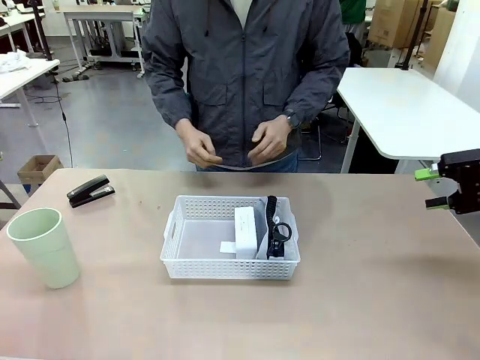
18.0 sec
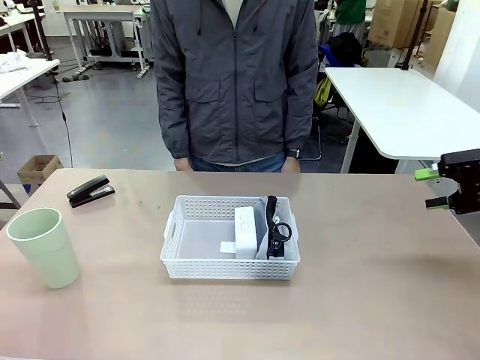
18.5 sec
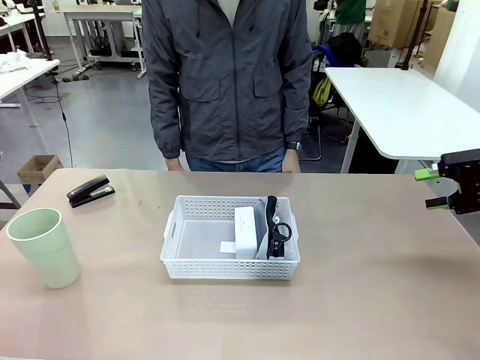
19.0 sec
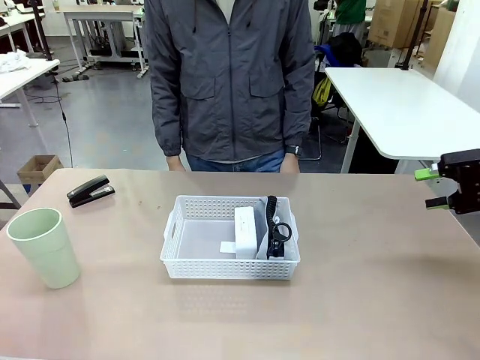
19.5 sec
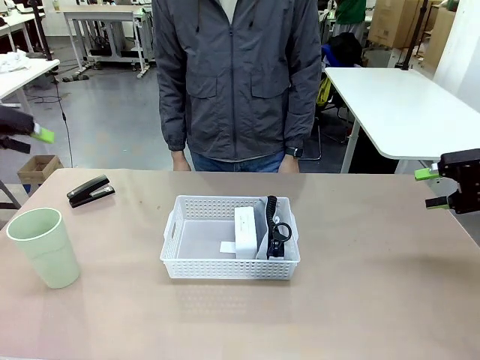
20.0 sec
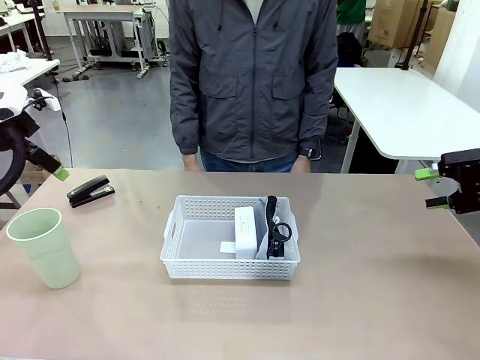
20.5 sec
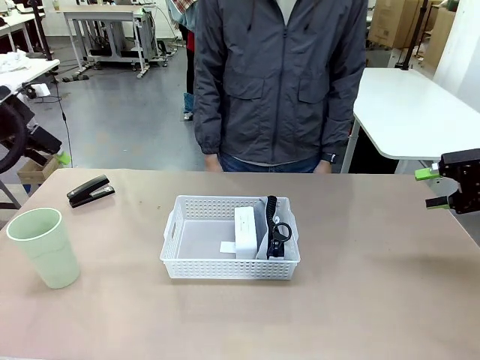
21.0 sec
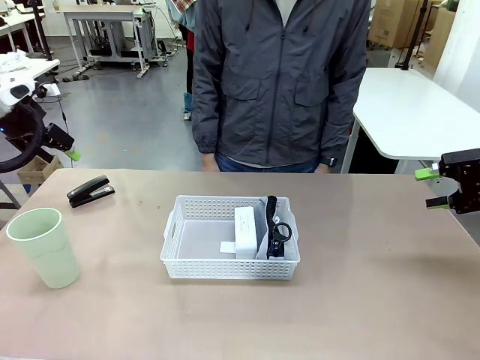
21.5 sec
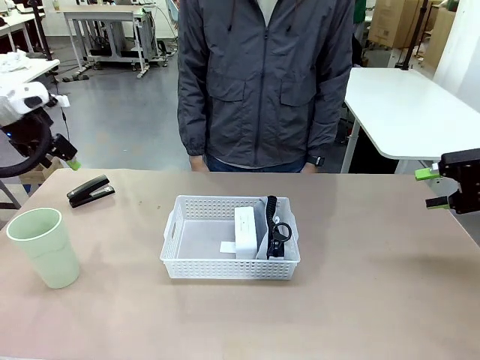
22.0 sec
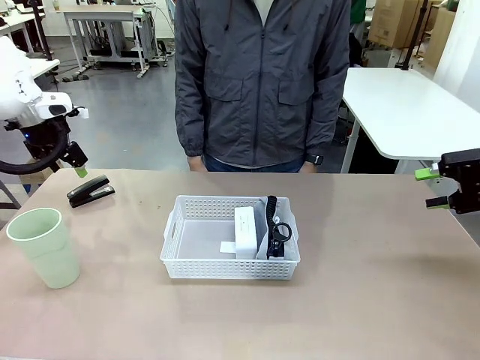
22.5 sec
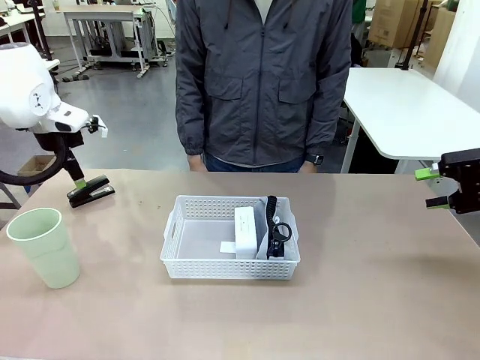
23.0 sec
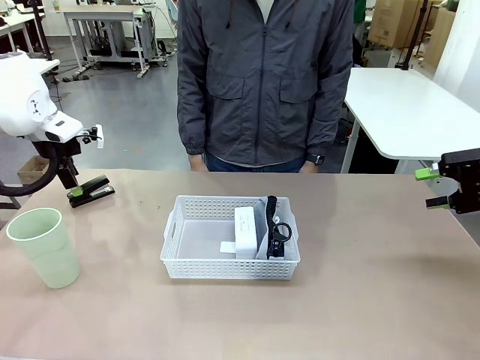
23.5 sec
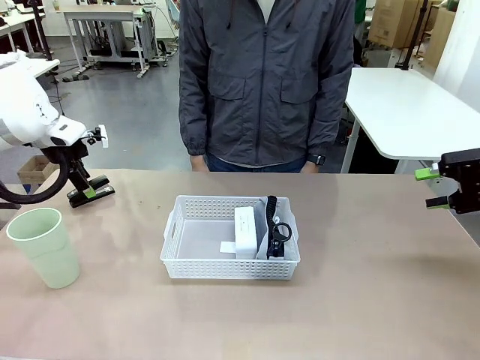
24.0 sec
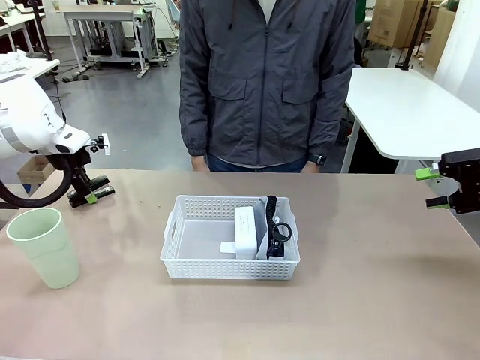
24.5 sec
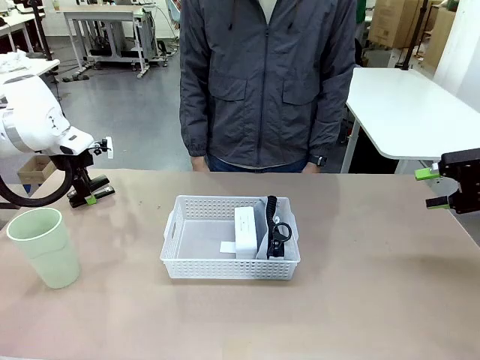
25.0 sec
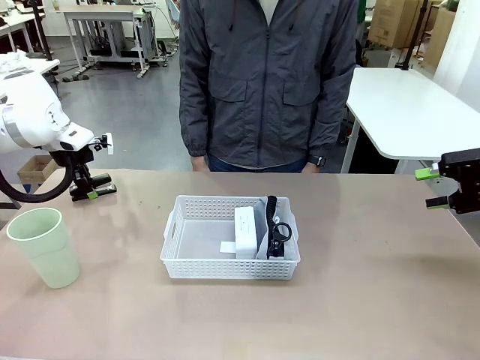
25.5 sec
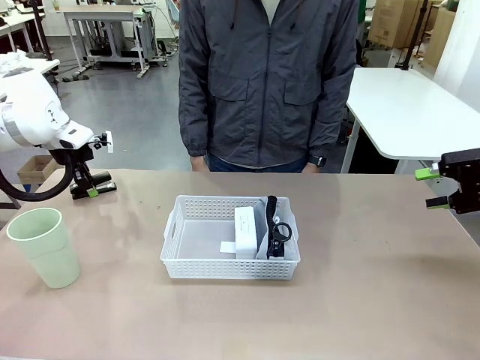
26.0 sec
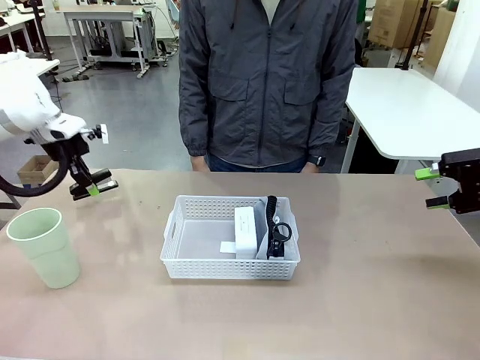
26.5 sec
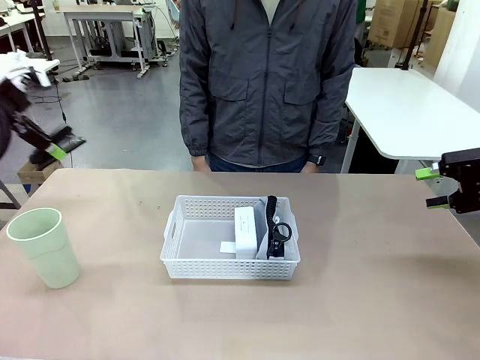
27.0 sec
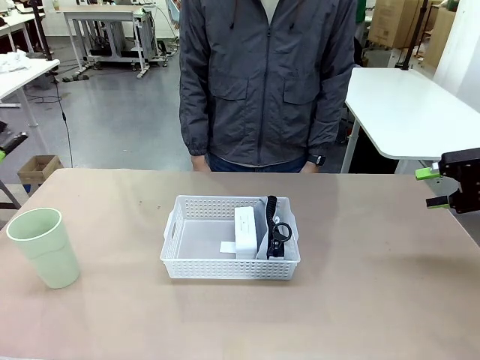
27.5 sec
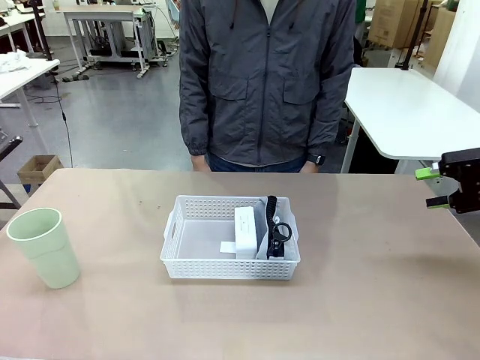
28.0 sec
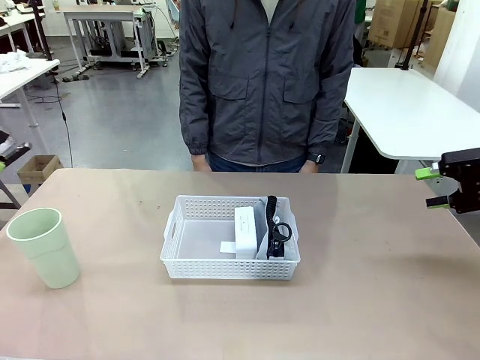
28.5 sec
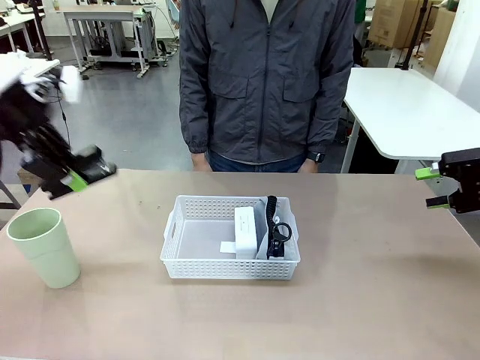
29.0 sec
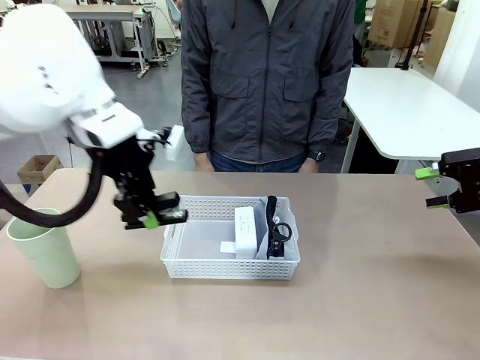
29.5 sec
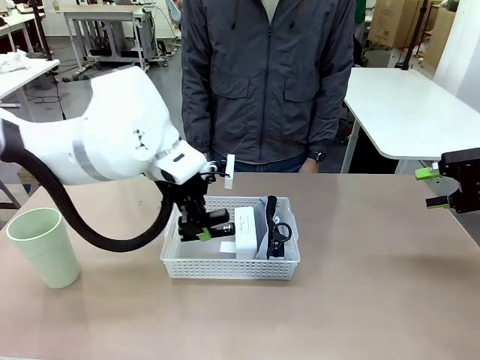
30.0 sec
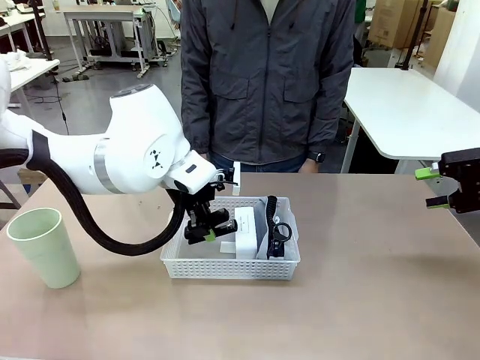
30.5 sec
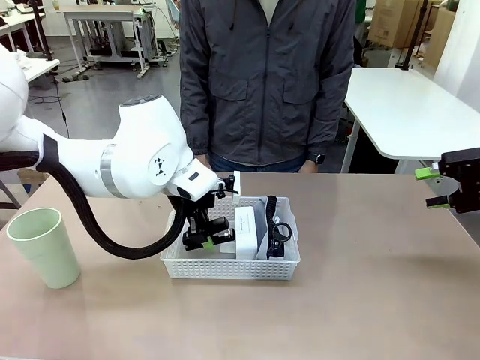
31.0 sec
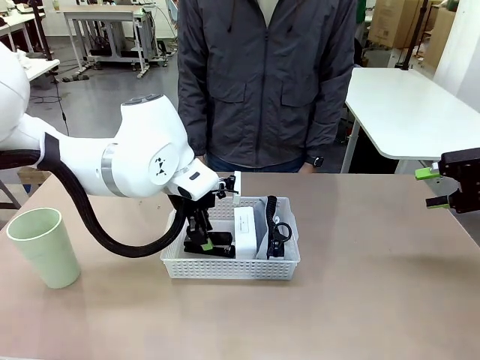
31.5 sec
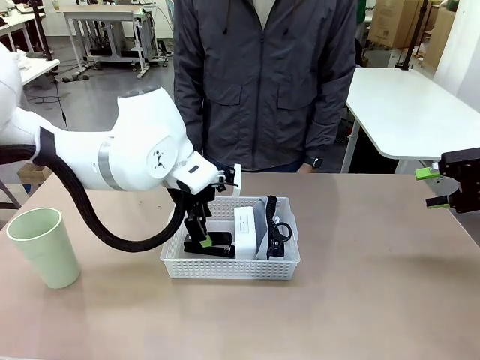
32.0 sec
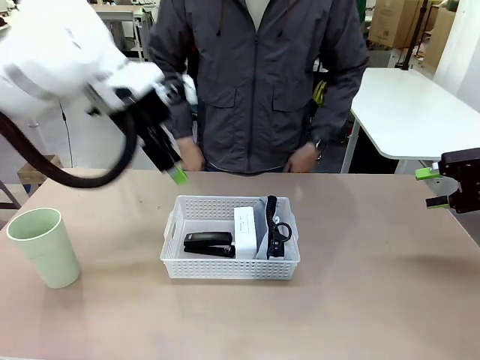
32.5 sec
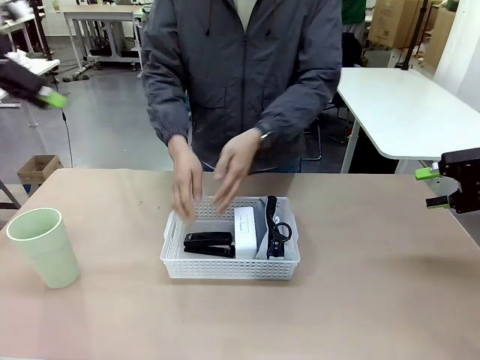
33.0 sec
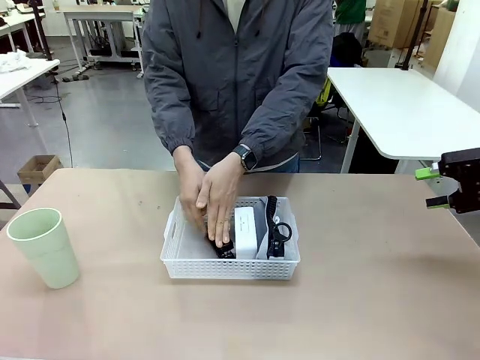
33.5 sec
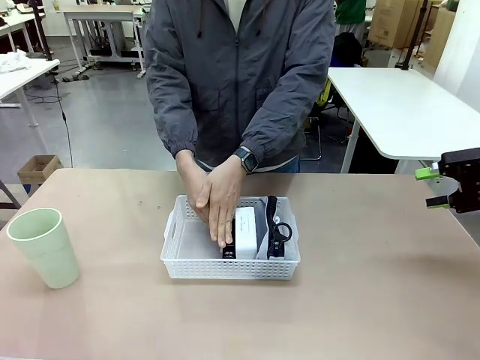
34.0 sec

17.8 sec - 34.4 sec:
Task: Efficiently arrange items inside the basket to fit them all.
Robot: Pick up the Stapler and place it inside the Organizing basket.

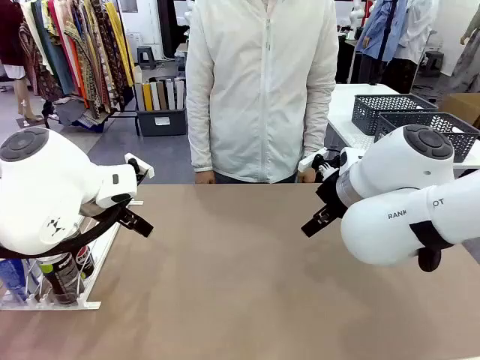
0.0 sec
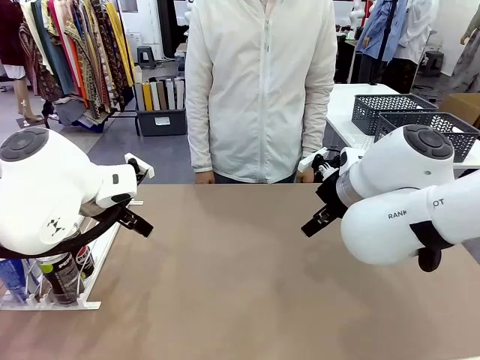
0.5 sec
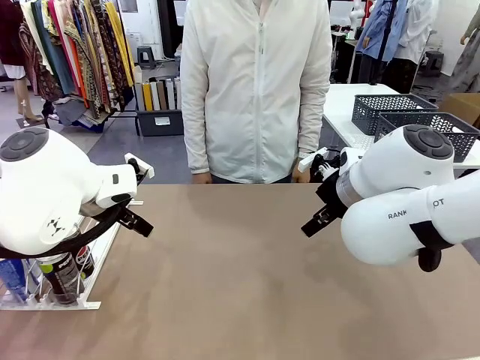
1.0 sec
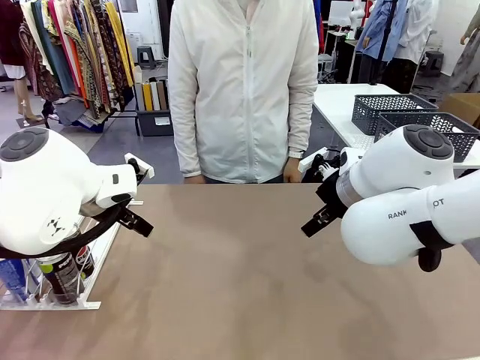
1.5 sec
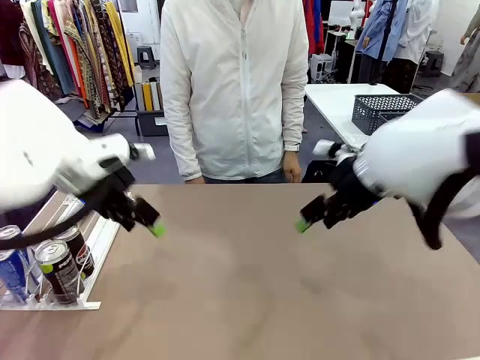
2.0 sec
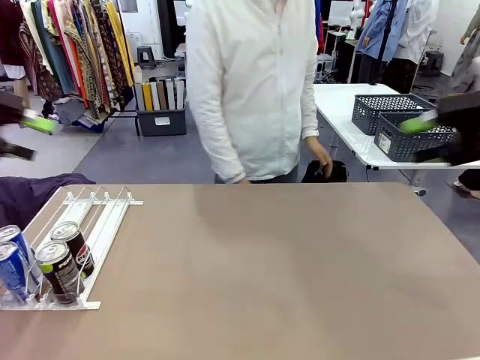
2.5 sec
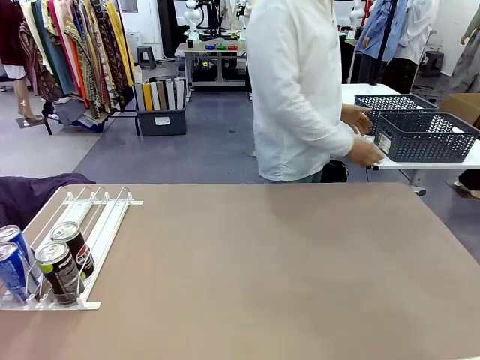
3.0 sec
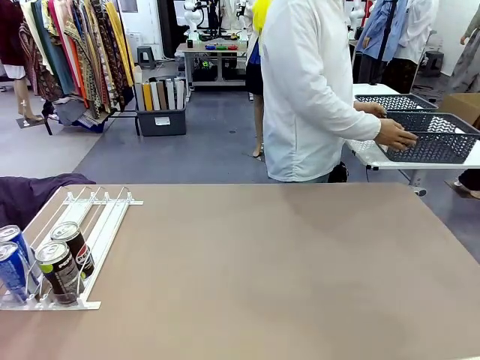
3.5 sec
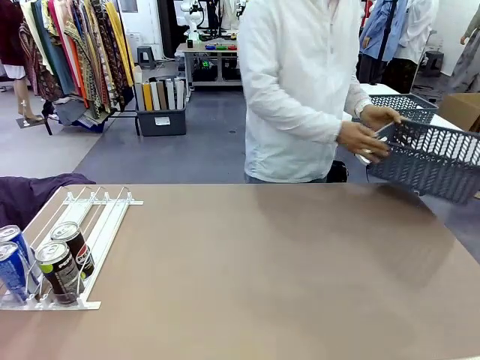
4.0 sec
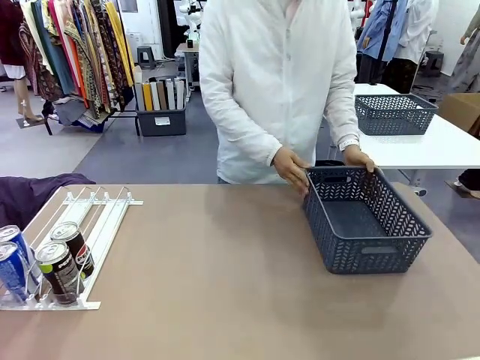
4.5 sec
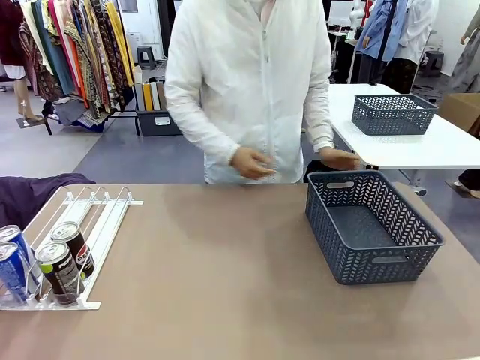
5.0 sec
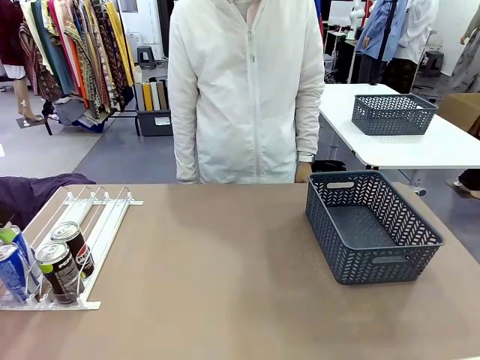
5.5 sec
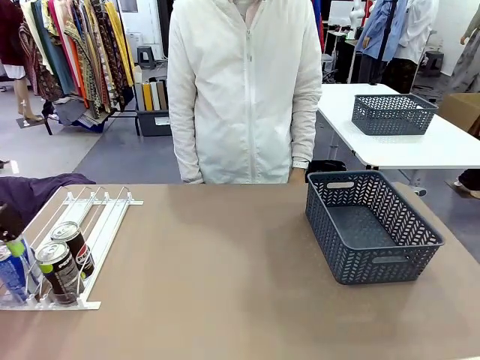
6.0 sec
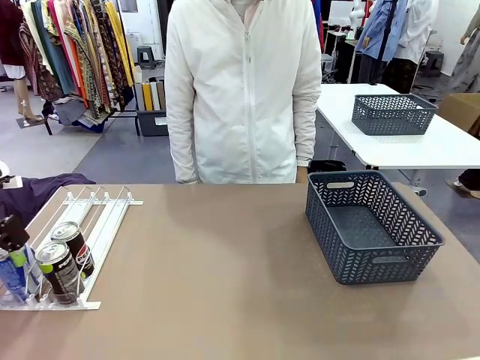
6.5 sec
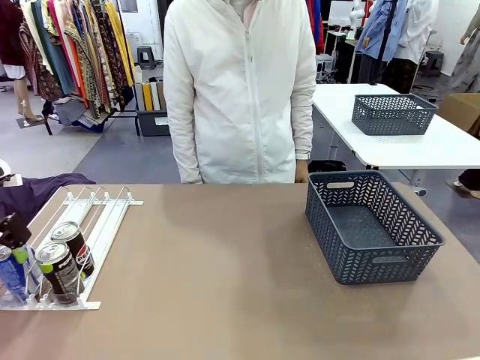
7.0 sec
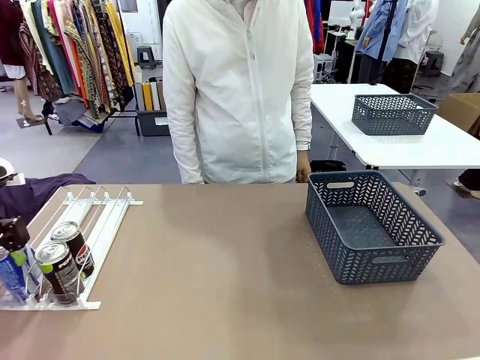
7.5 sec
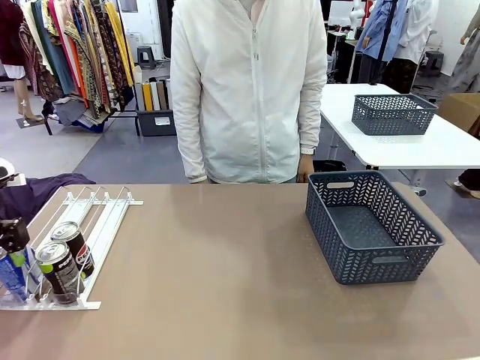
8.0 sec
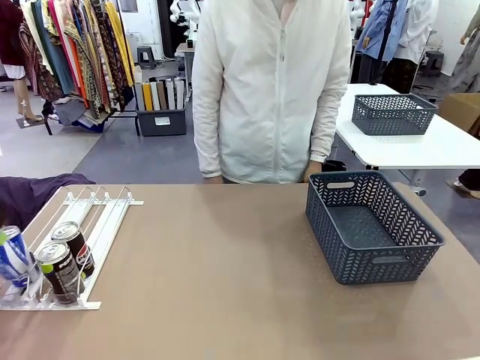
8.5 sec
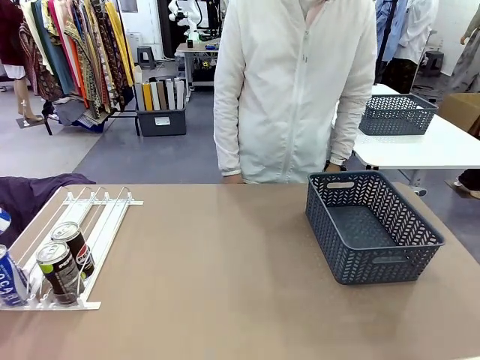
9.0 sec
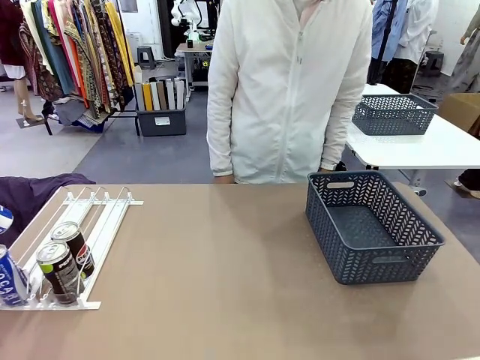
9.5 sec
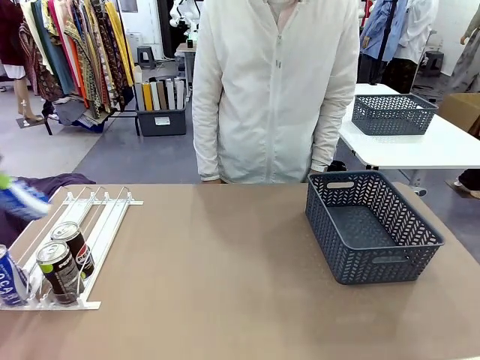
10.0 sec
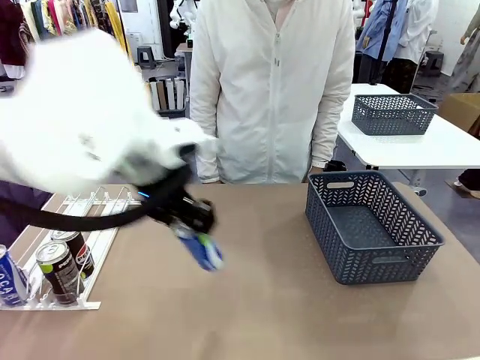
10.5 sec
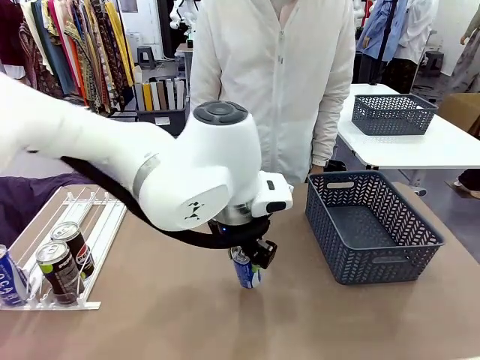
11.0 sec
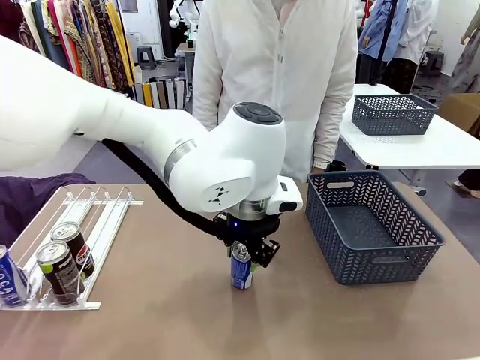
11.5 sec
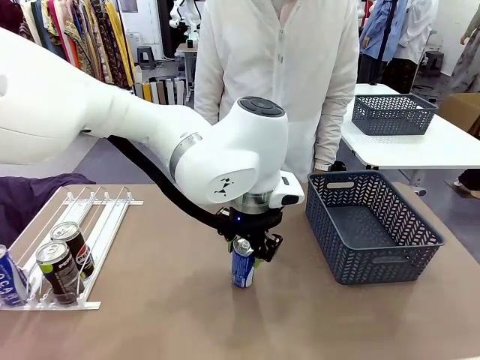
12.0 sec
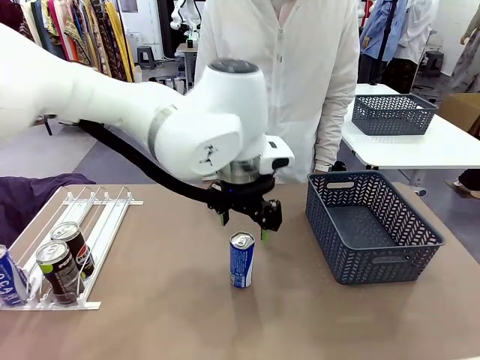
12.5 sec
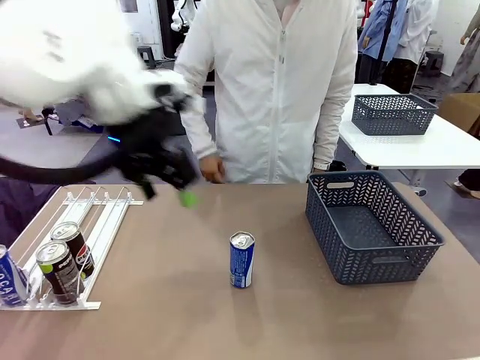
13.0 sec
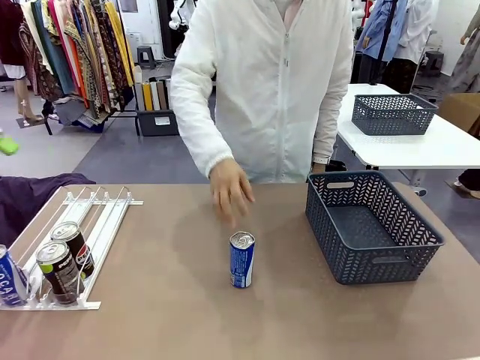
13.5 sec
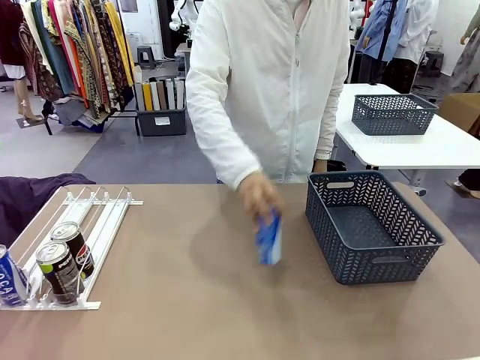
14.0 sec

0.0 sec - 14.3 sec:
Task: Retrieve and store the cans from the dispenser.
Robot: Pick up one can from the Automatic Can Dispenser and place it in the middle of the table.
Person: Pick up the basket and place it on the left side of the robot table.
